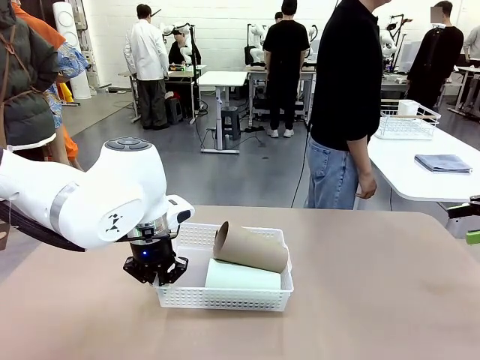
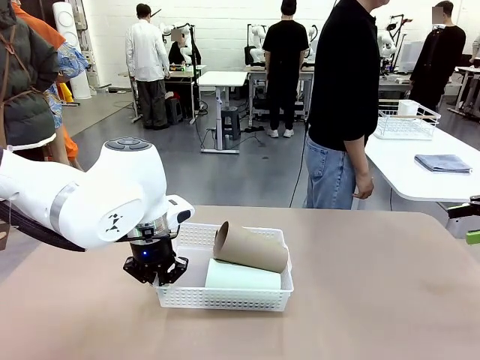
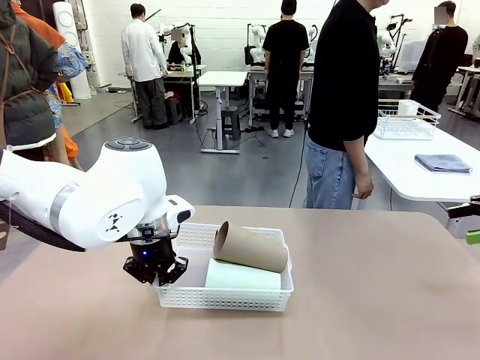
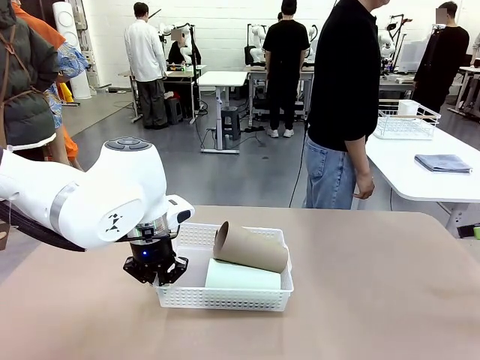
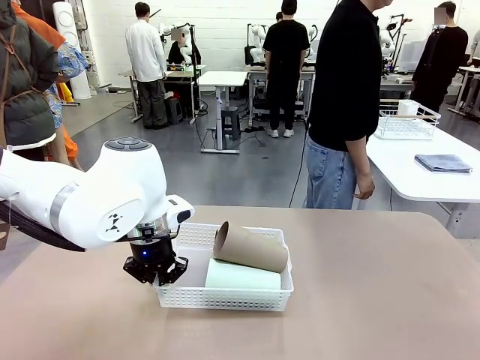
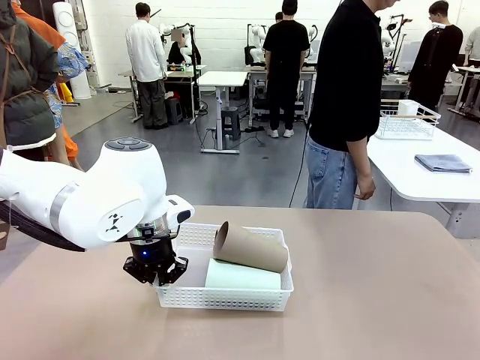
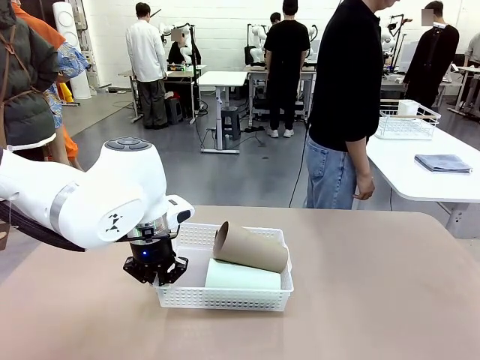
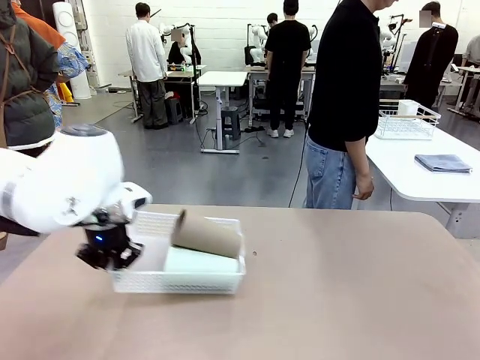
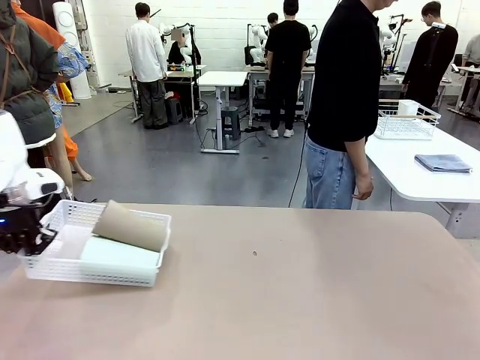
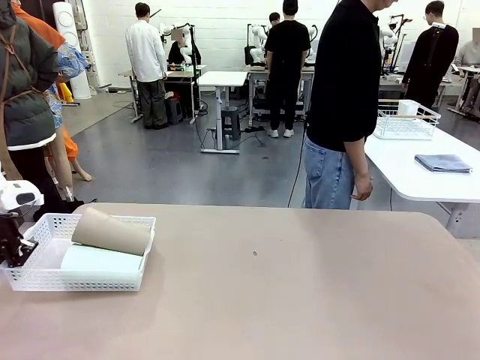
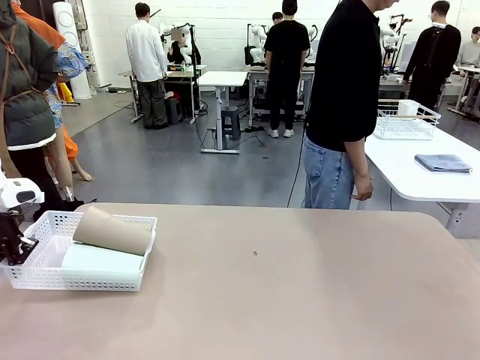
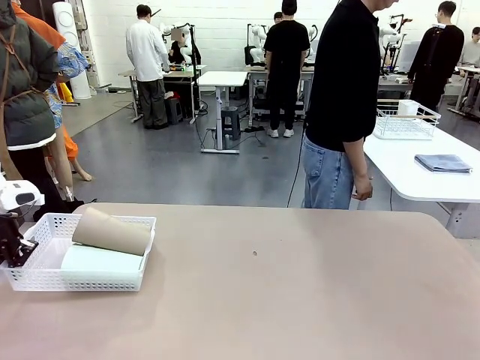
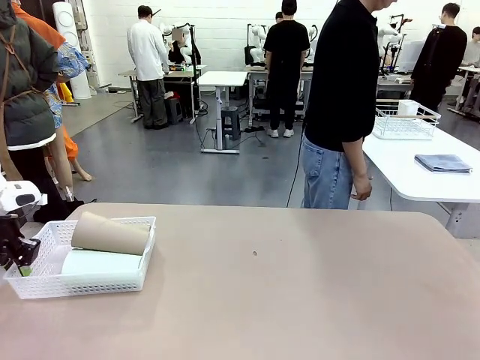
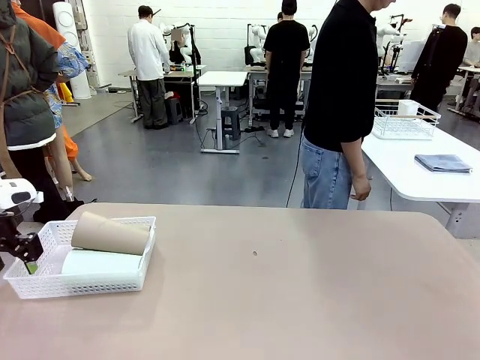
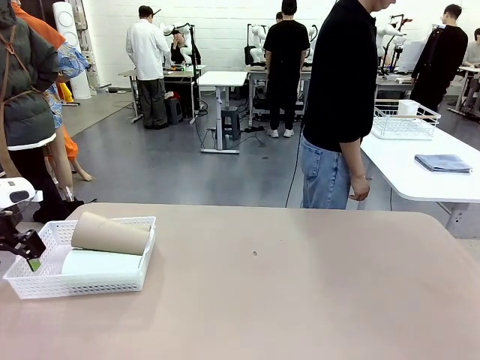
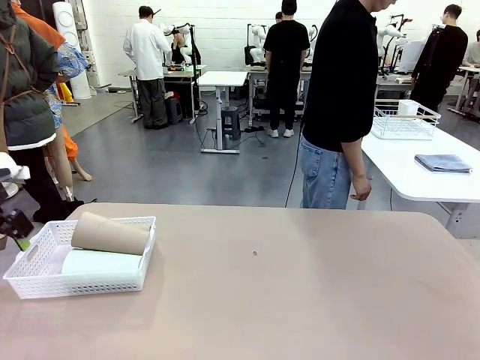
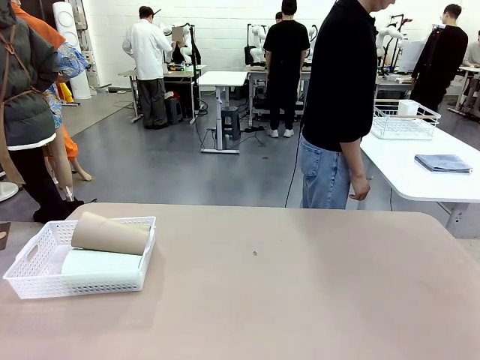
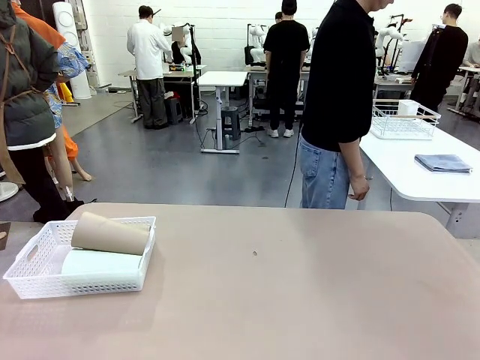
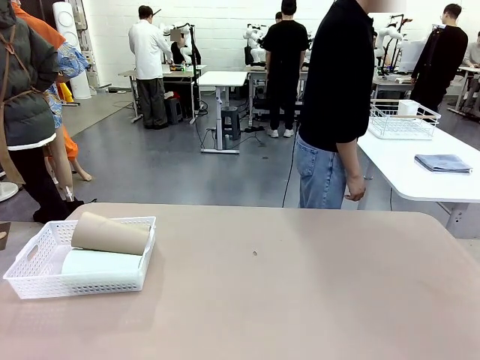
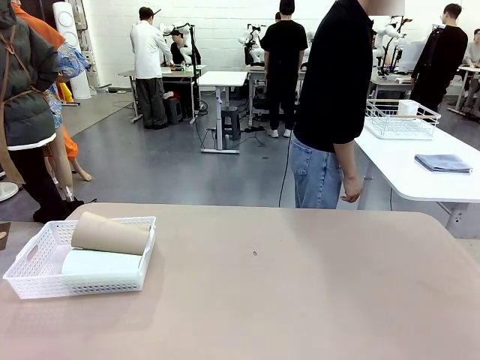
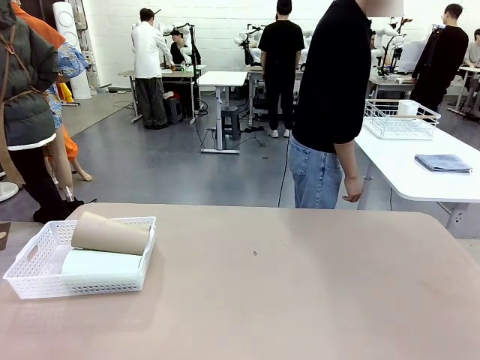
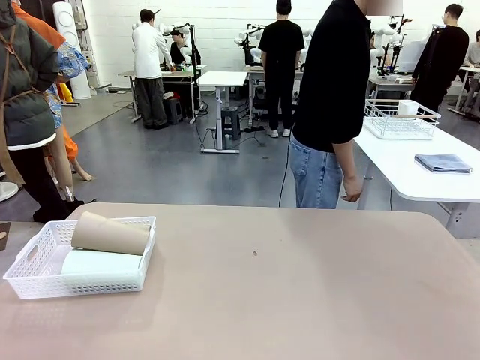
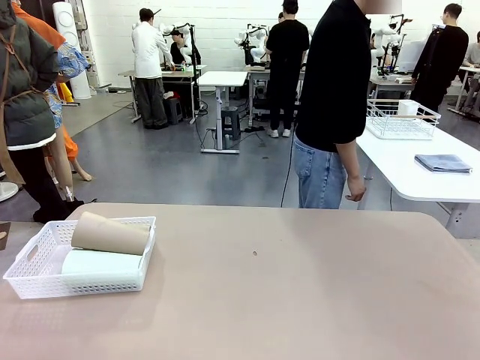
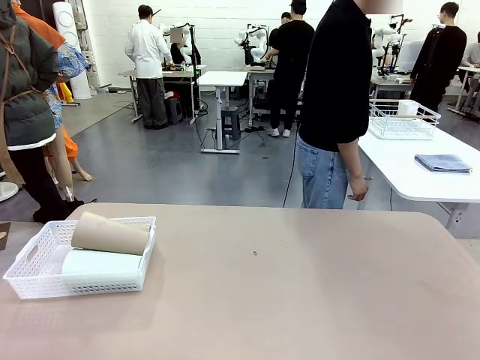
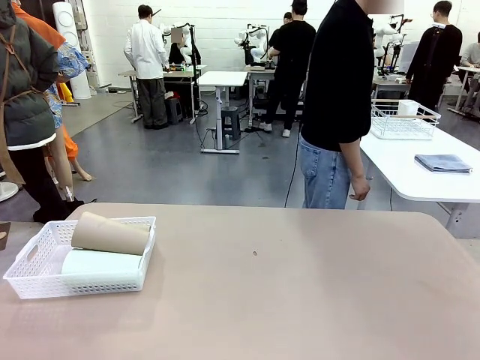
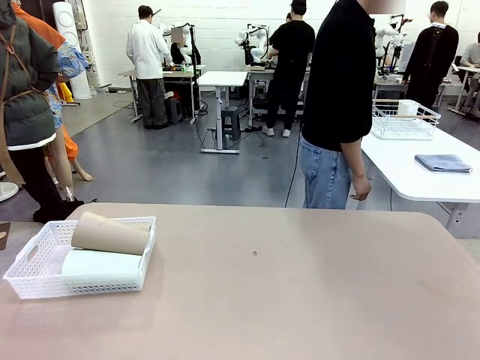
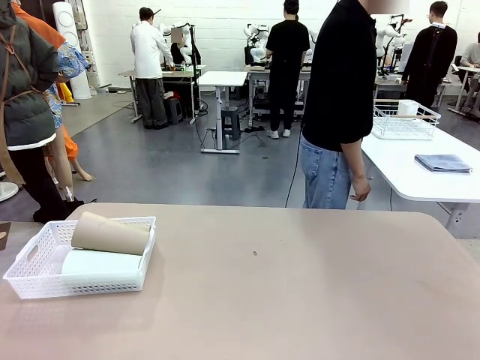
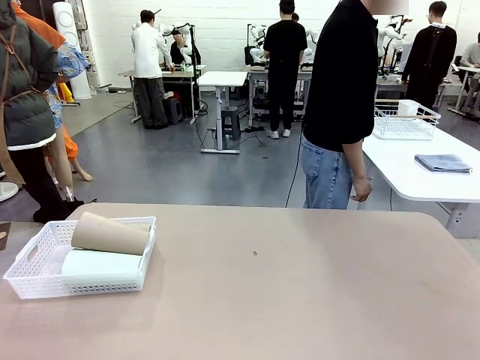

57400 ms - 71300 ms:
Task: Clean and organize the cups into the basket.
Robot: Move the Organizing basket back to the left side of the table.
Person: Folds the towel in half twice and places it in the right of the table.

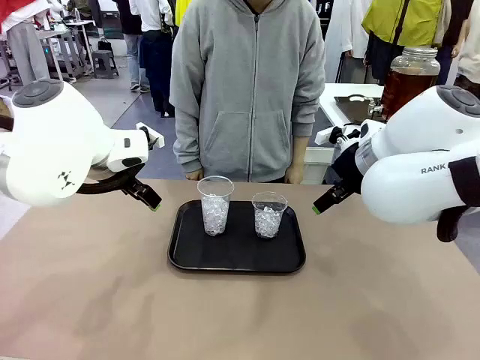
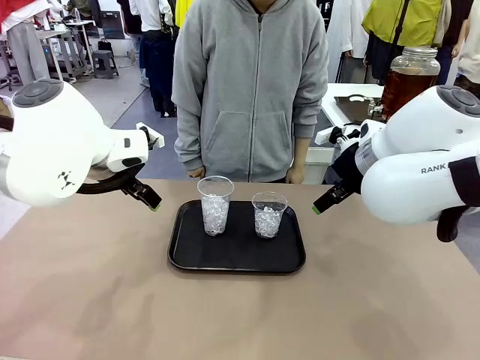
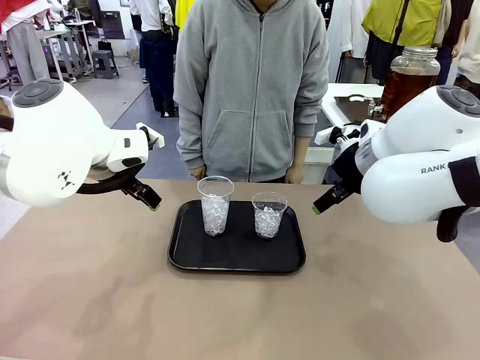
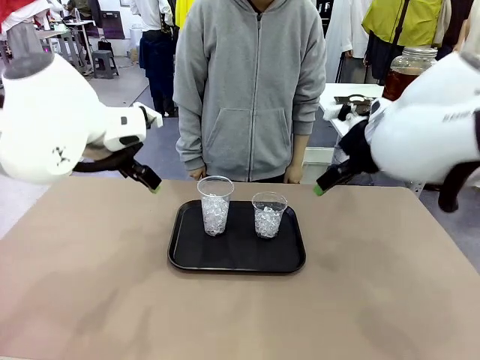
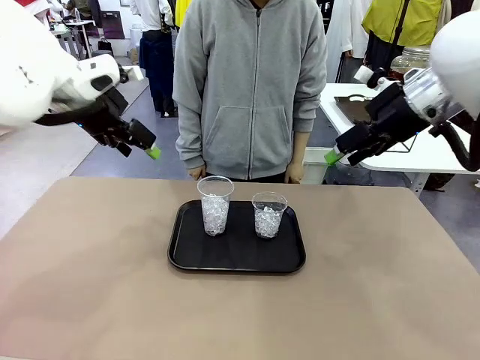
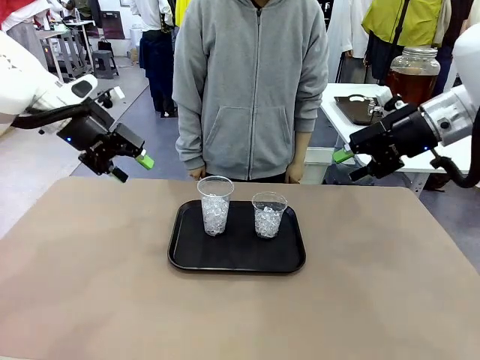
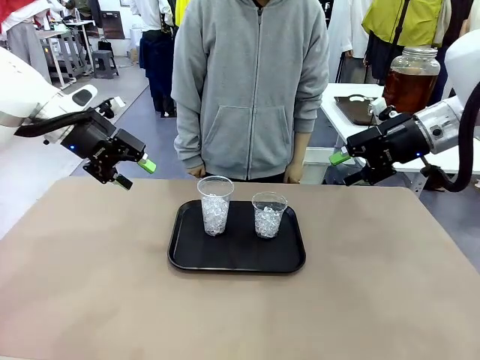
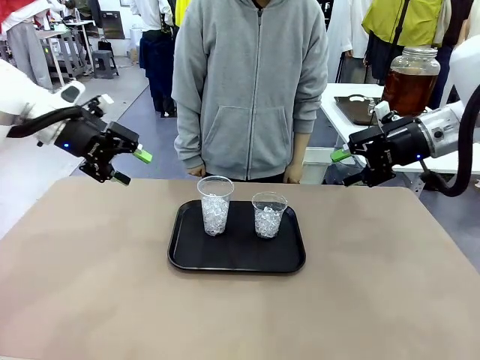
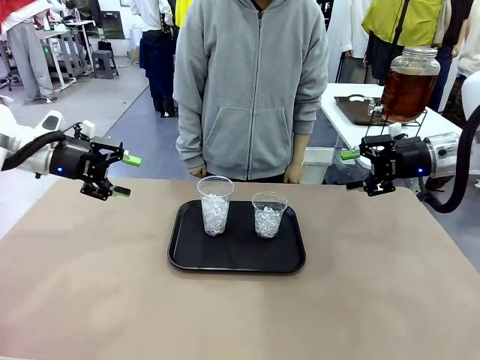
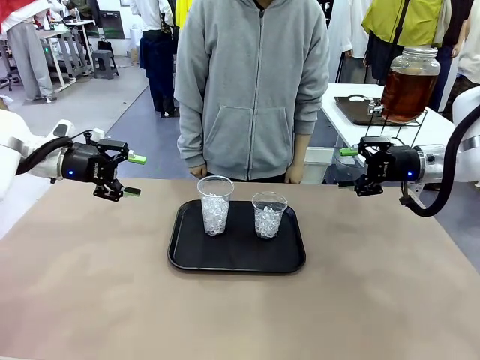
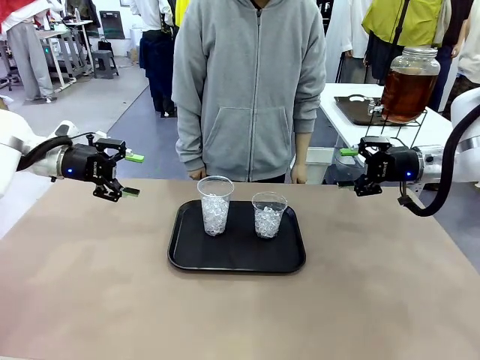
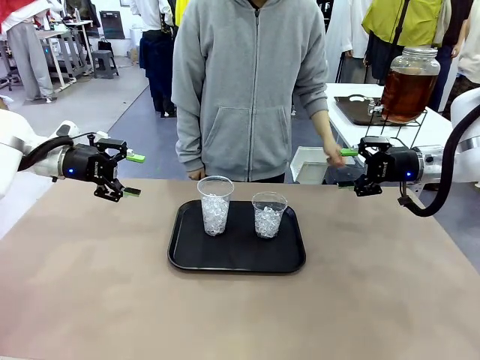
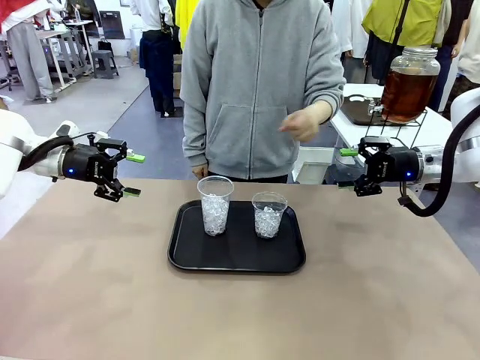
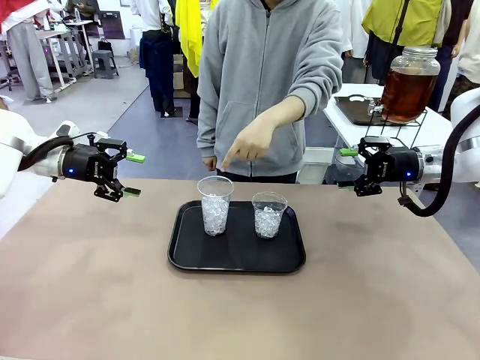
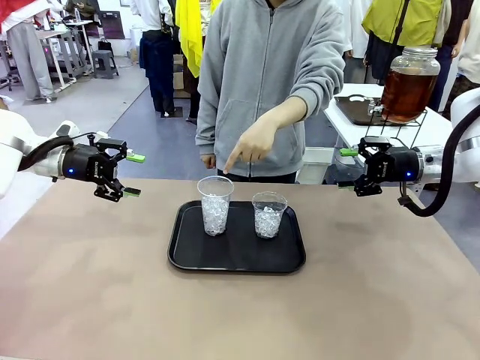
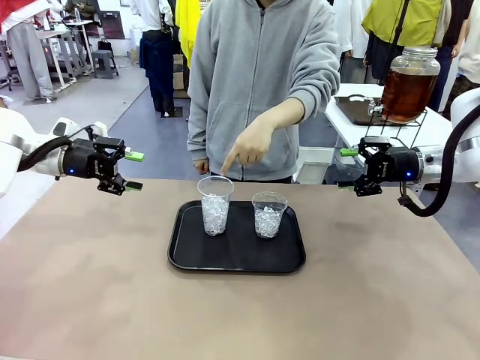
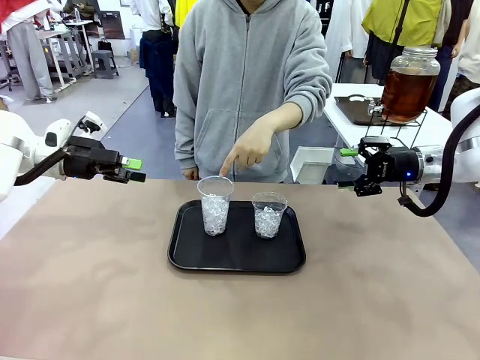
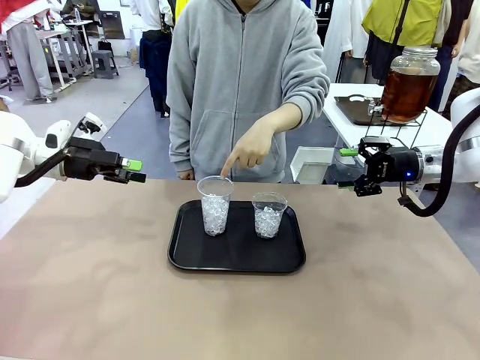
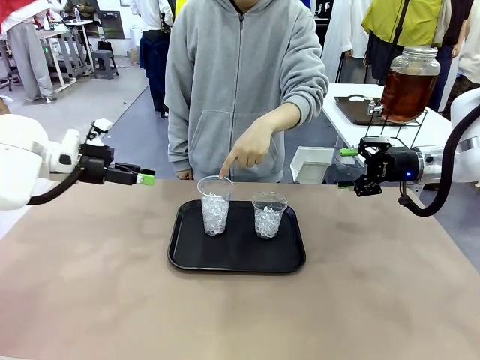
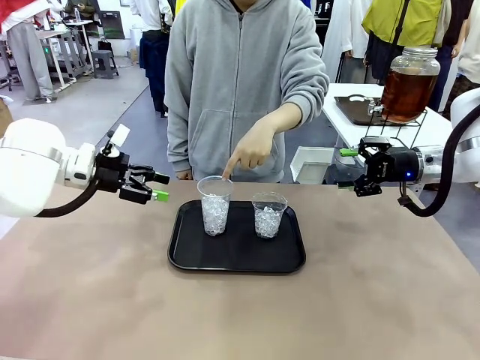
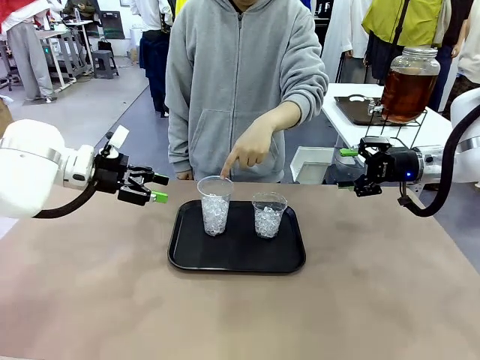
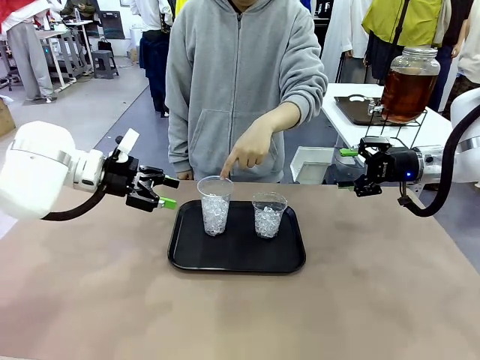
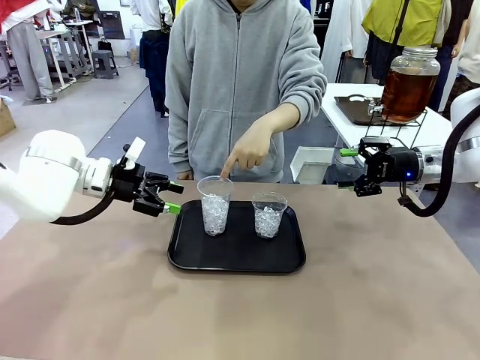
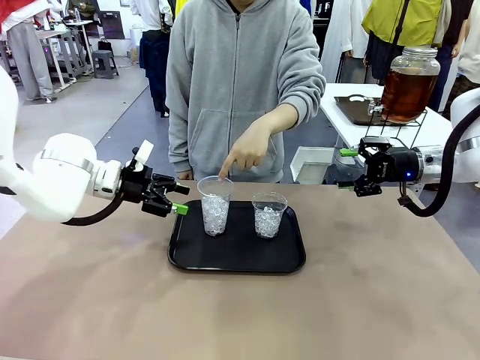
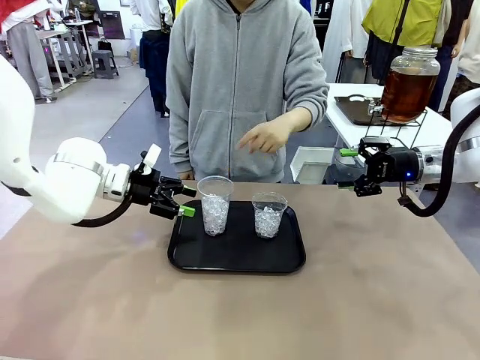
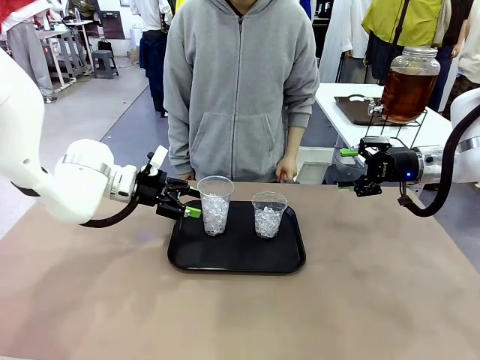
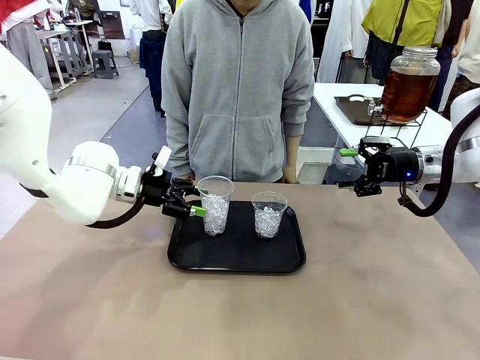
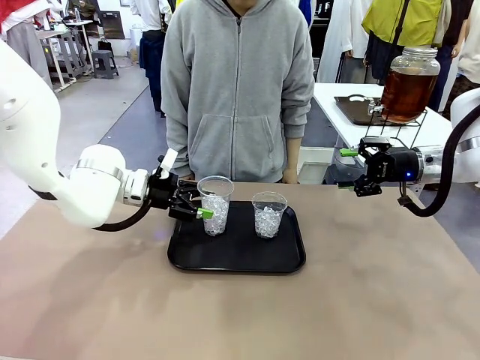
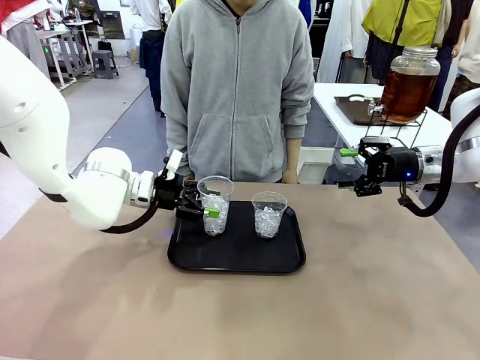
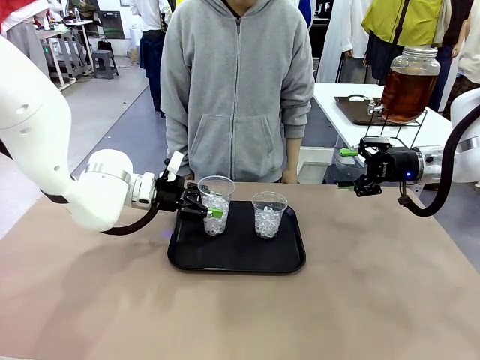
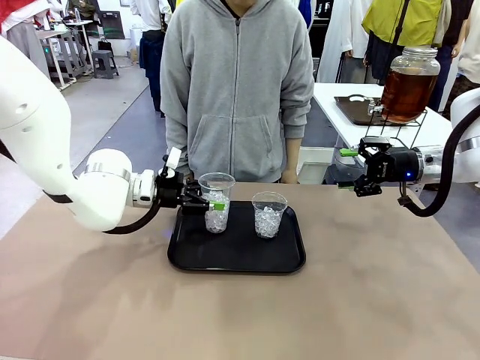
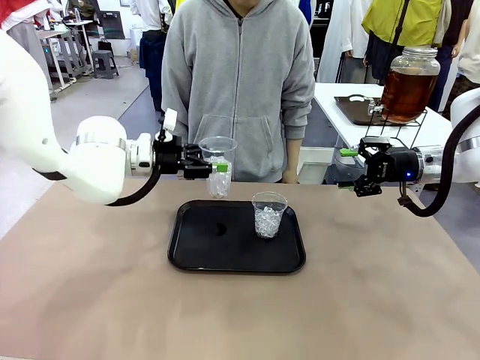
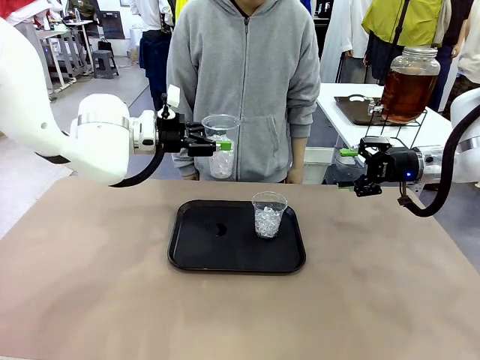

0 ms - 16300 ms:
Task: Pour the drink into the iced cup.
Robot: Pick up the iced cup indicated by the human and present it to them.
Person: Point to one of the two ice cups. Pick up the cup offered by the robot.
